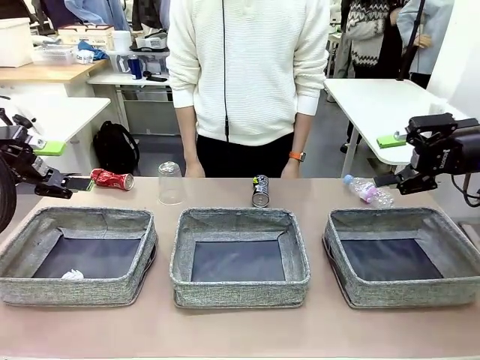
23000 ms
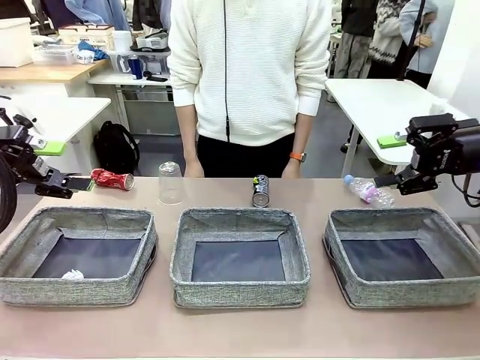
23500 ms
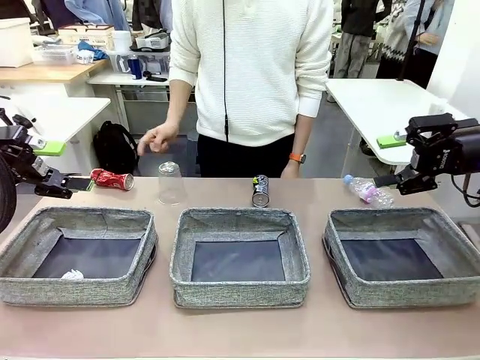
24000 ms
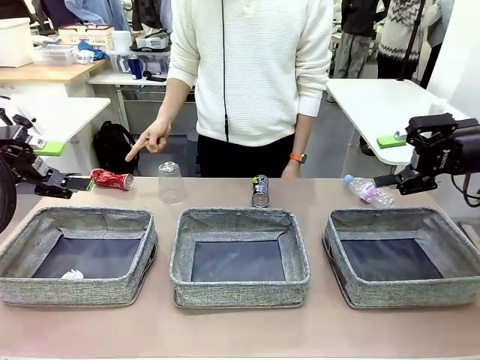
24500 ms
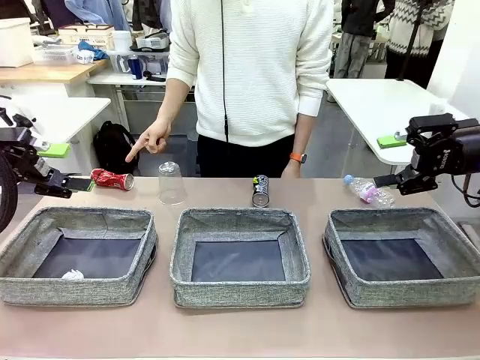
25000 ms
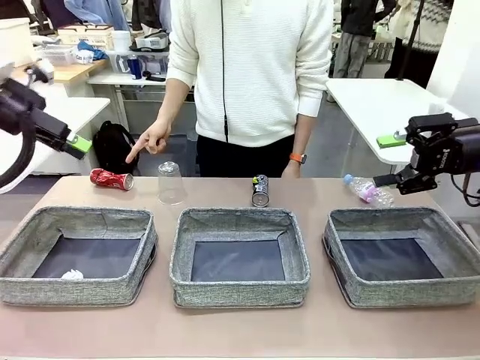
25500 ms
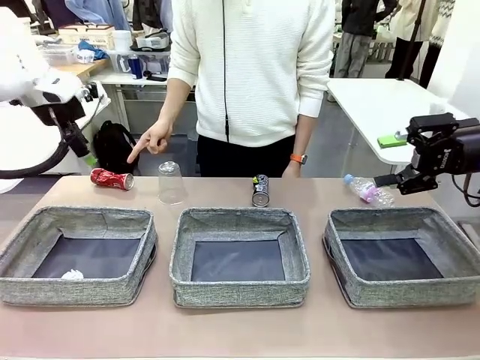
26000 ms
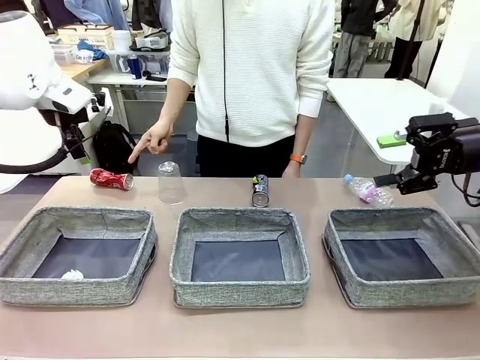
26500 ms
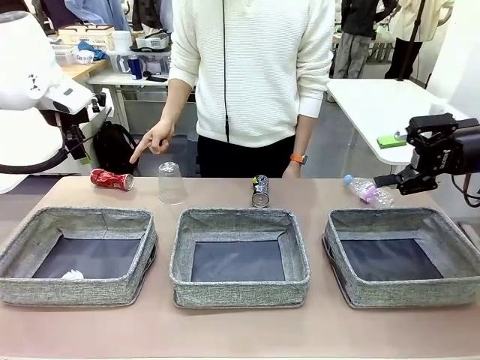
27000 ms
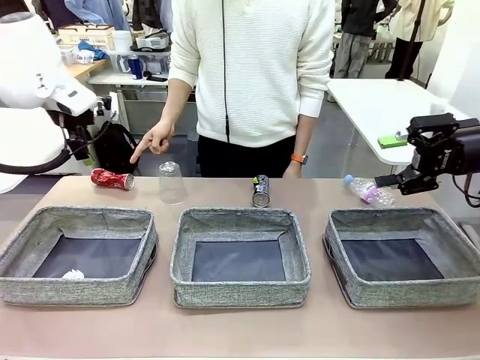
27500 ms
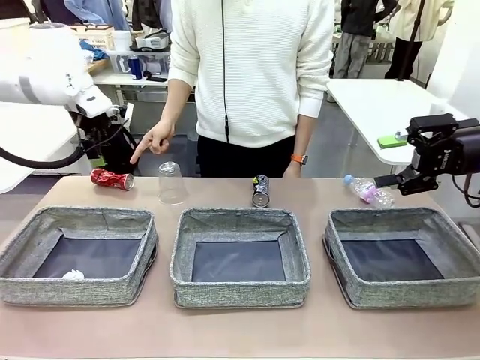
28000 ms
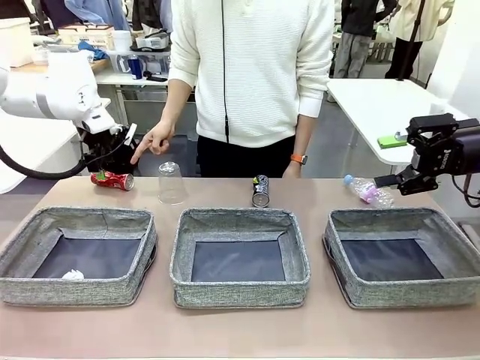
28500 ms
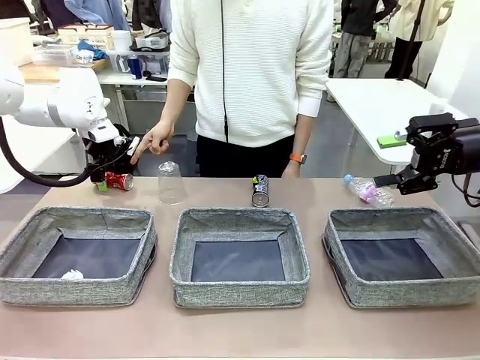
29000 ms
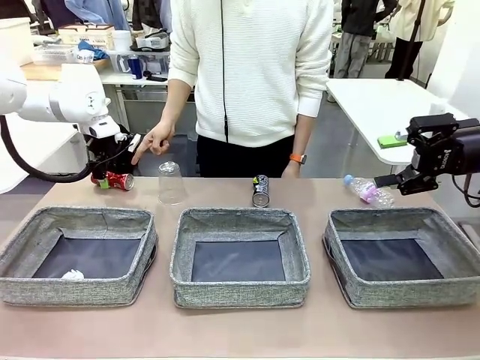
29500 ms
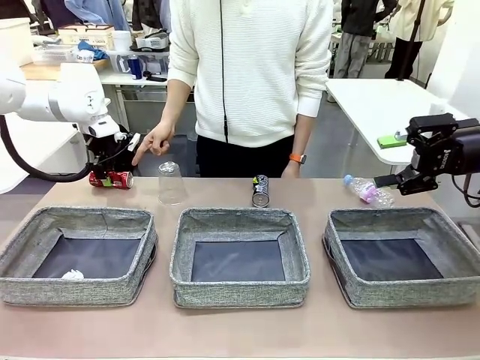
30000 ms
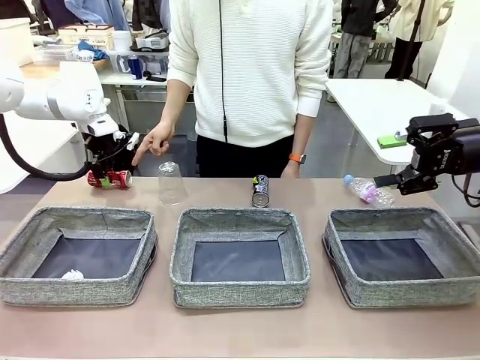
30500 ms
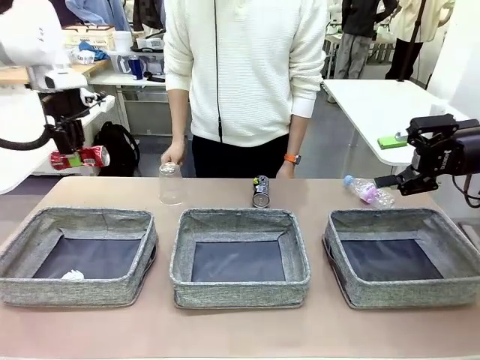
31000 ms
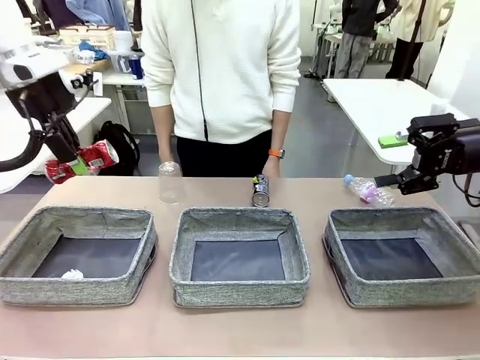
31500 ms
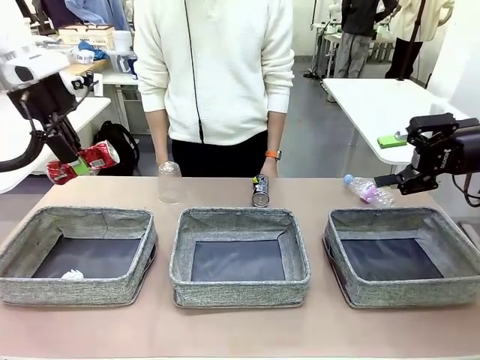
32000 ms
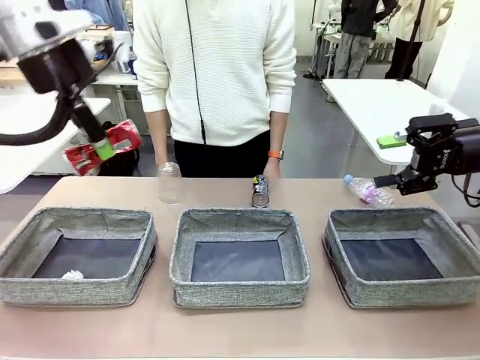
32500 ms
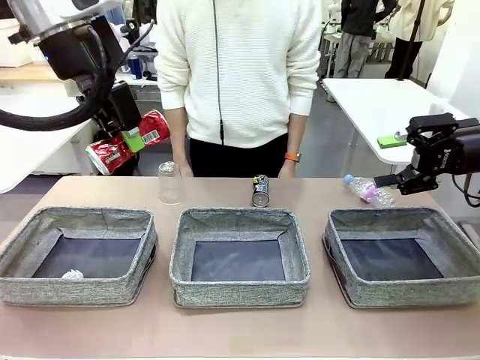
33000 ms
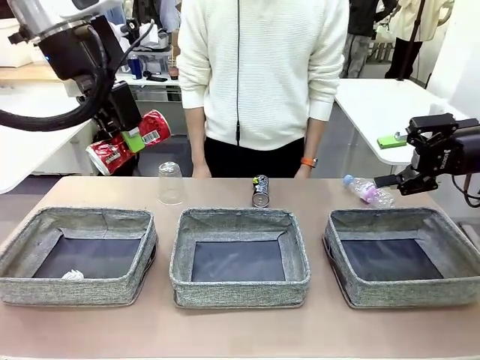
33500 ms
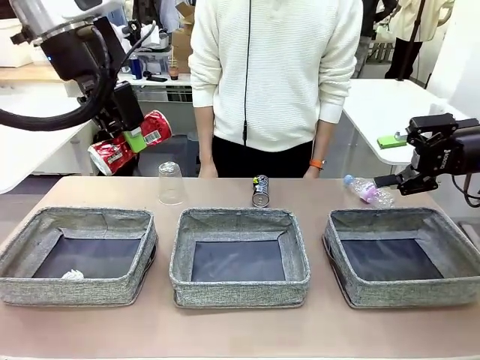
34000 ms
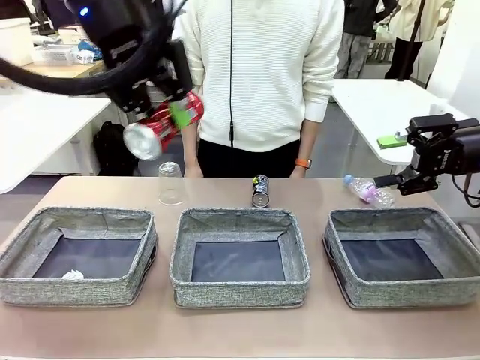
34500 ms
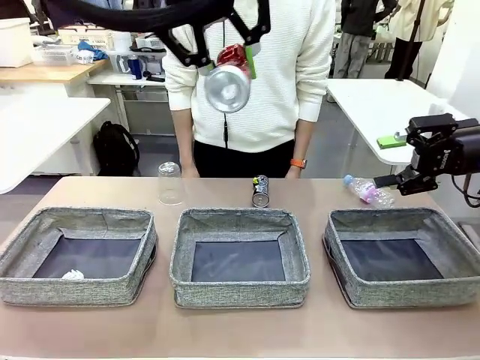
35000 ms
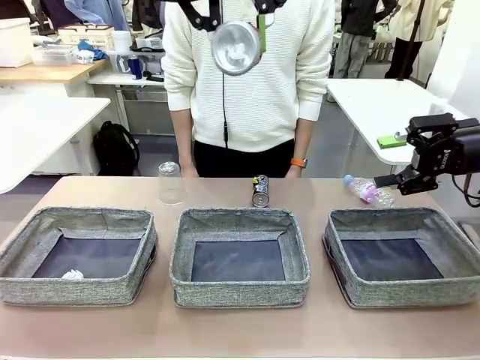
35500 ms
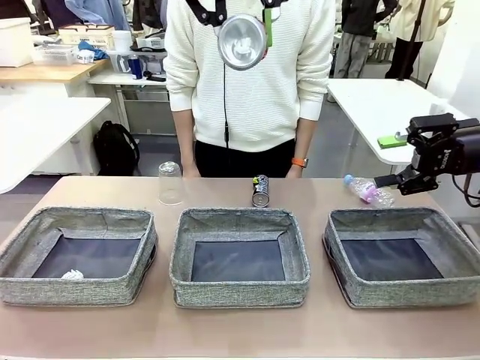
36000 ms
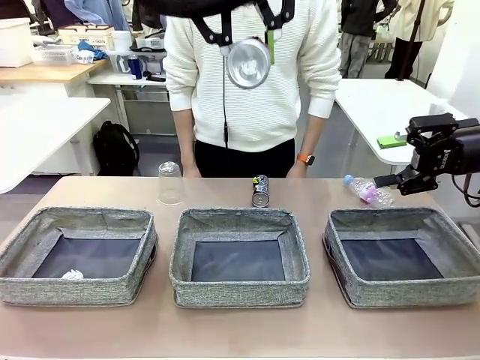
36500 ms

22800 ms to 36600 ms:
Task: Sort the waste into the appropriate baskets.
Robot: Pick up the waste item pointed out by the person.
Person: Points to one piece of trash on the table.

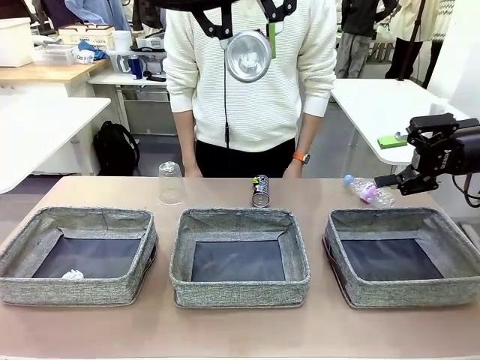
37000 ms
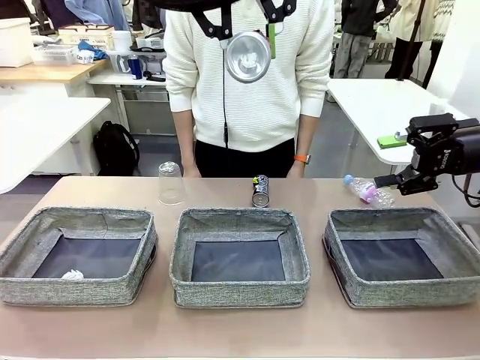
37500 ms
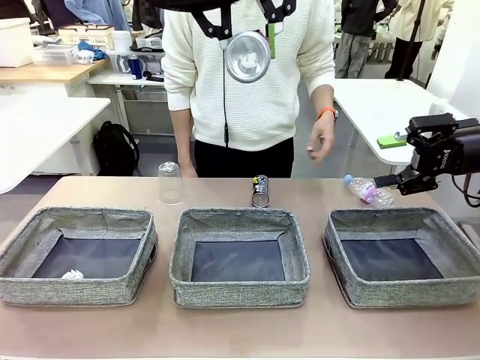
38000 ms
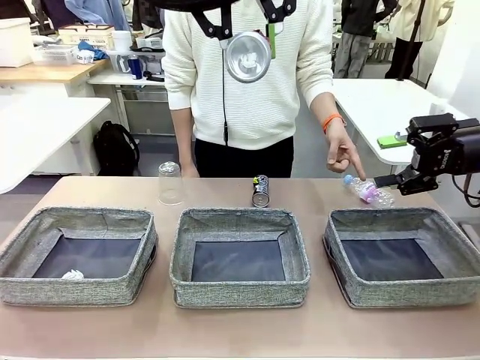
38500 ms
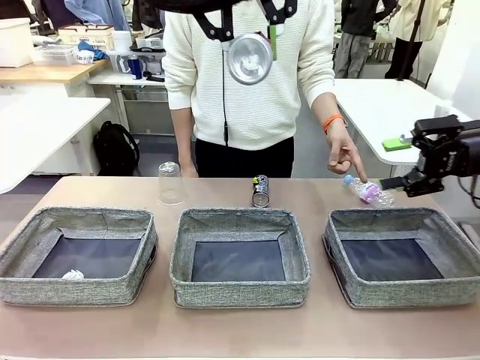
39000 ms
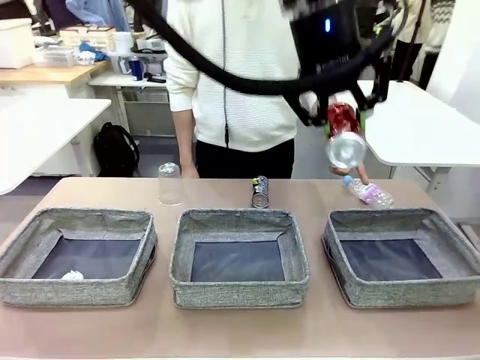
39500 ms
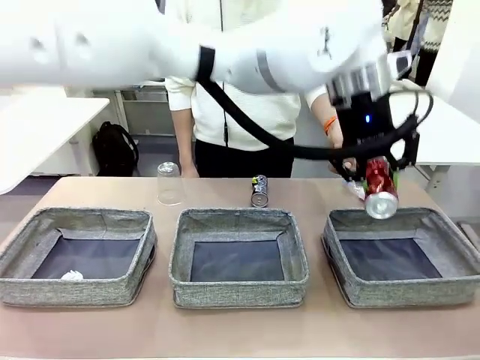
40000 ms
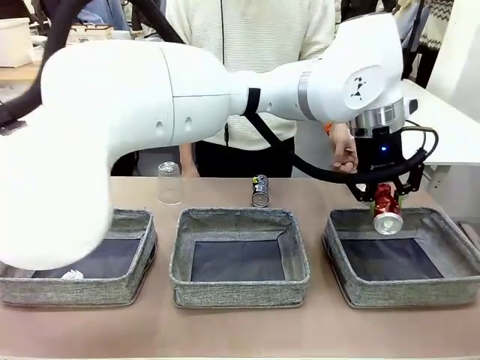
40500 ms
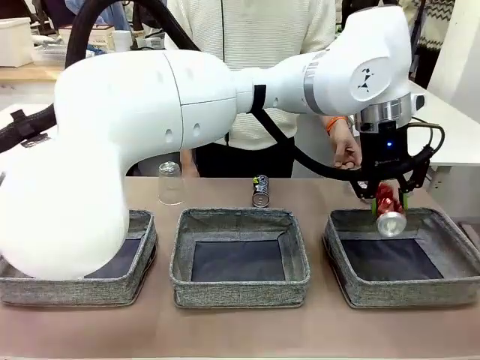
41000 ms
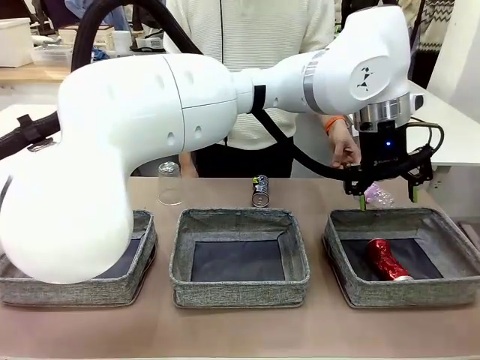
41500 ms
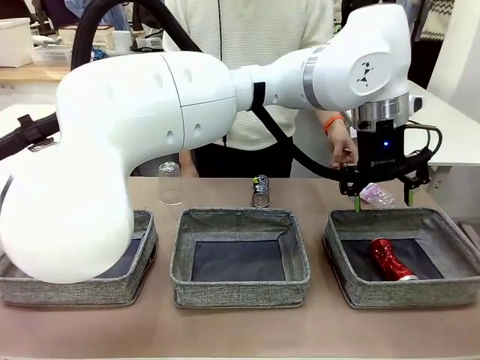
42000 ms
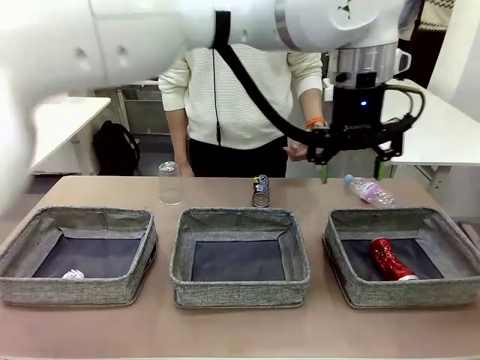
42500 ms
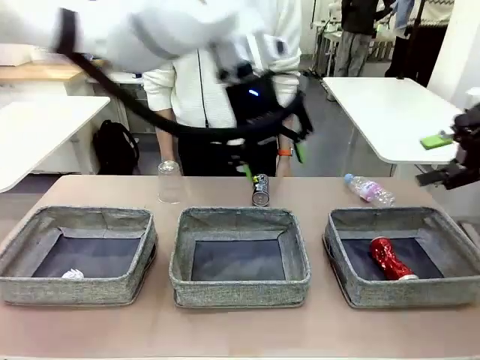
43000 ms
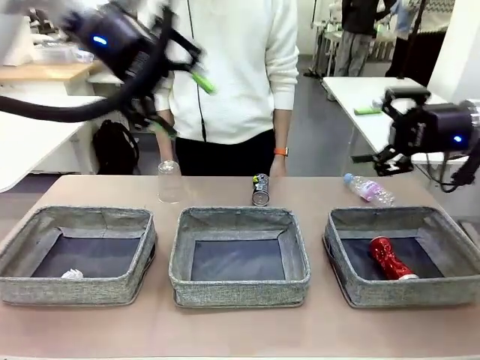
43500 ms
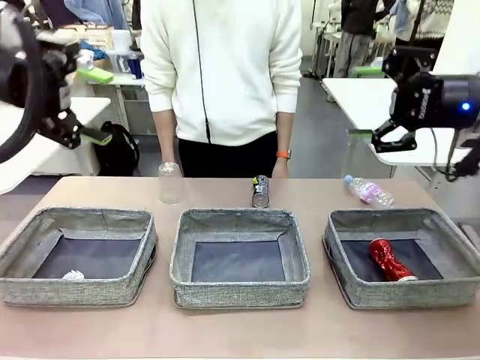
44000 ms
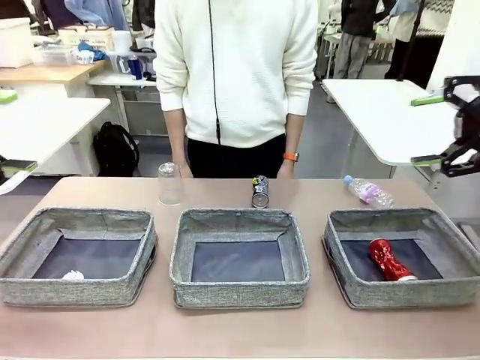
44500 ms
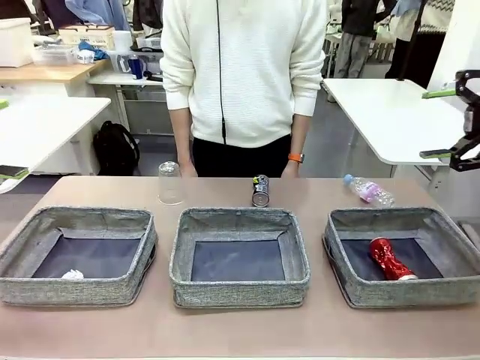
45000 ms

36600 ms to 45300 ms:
Robot: Place the picked waste into the Fabric basket indicated by the person.
Person: Instructs the robot to place the picked-up trash into the appropriate organizing basket.
